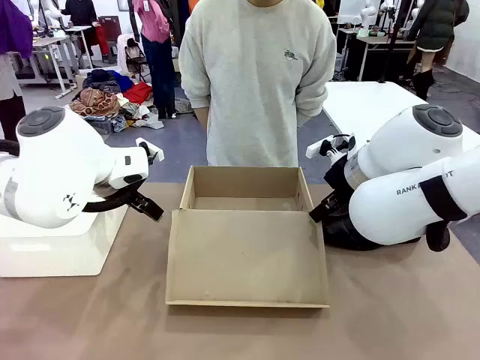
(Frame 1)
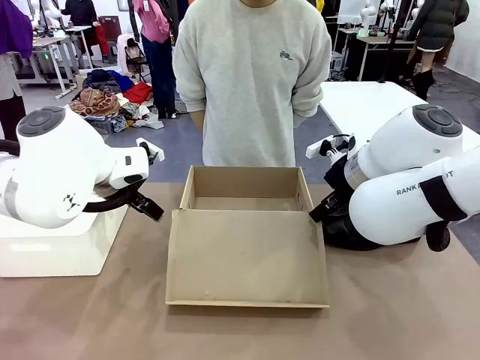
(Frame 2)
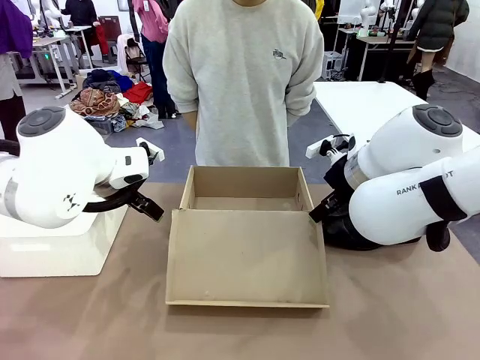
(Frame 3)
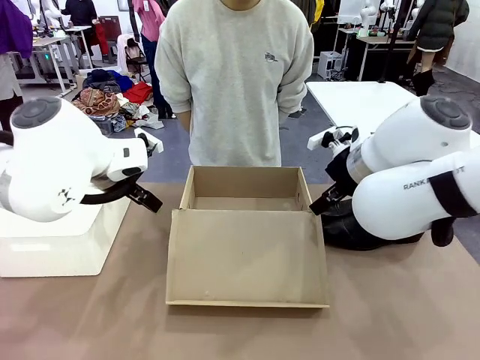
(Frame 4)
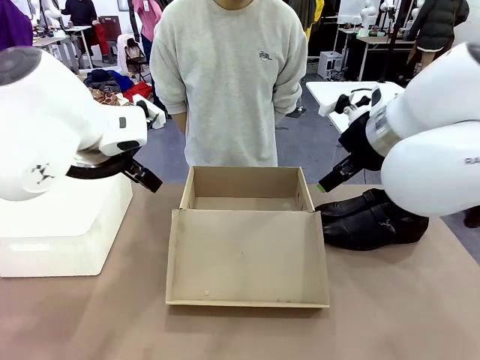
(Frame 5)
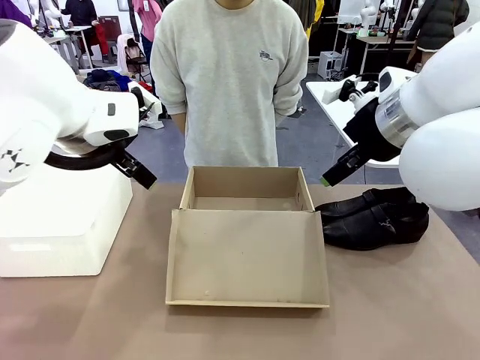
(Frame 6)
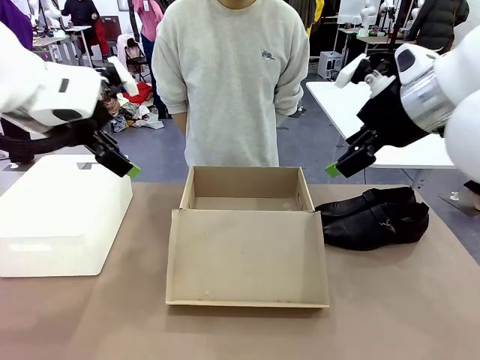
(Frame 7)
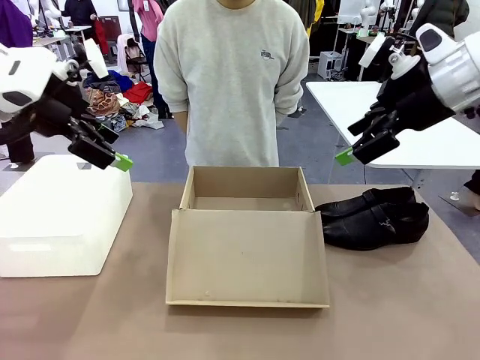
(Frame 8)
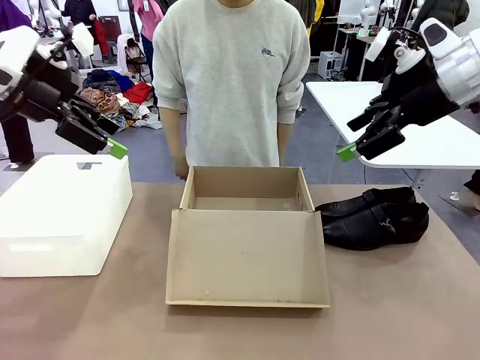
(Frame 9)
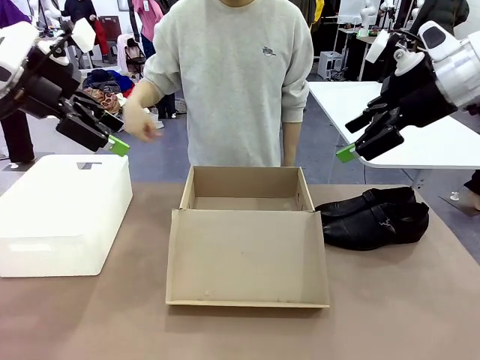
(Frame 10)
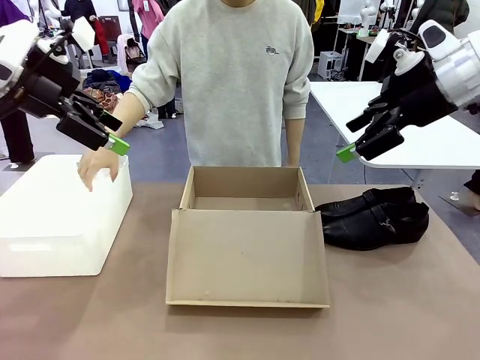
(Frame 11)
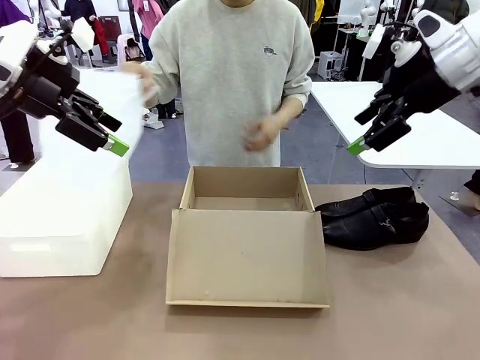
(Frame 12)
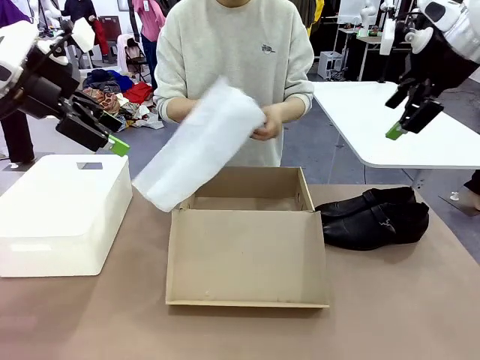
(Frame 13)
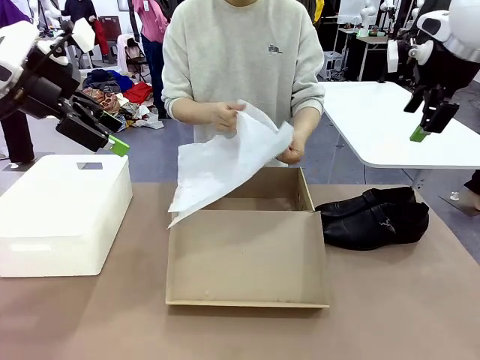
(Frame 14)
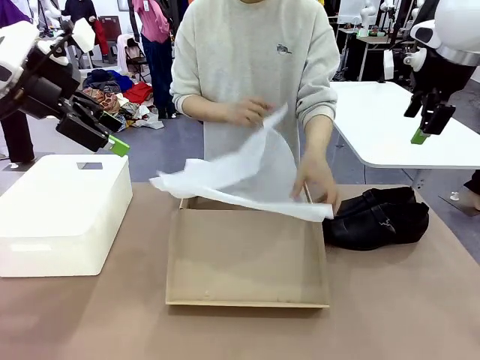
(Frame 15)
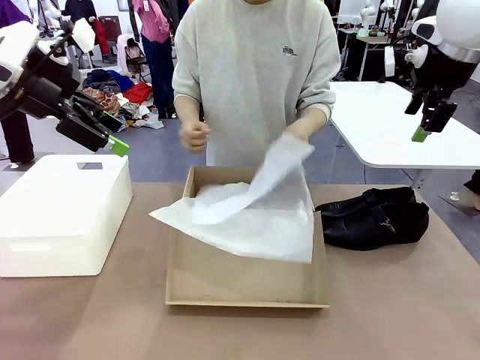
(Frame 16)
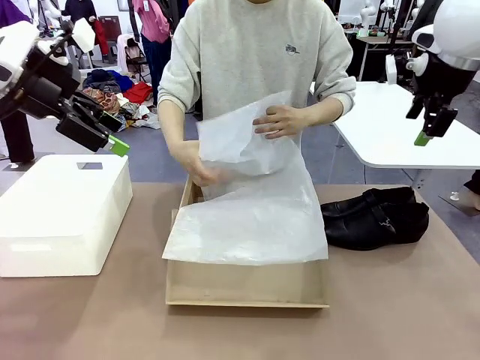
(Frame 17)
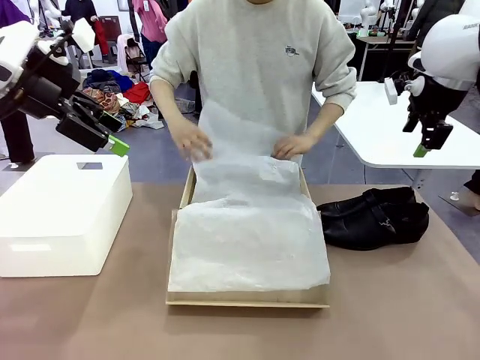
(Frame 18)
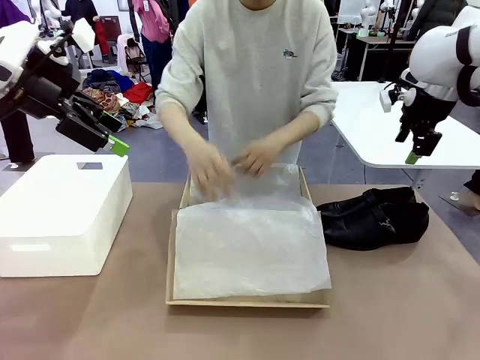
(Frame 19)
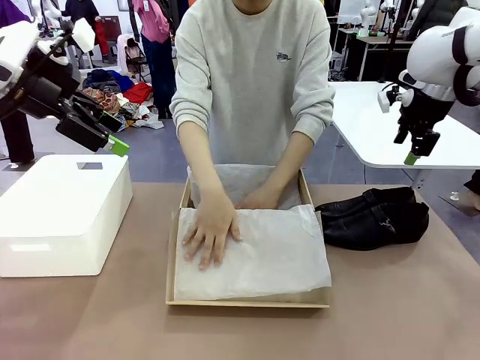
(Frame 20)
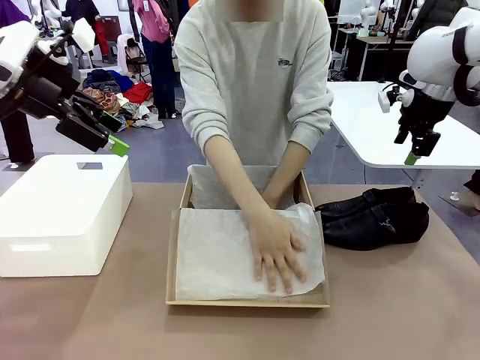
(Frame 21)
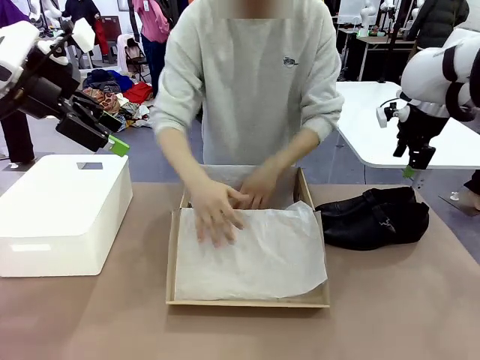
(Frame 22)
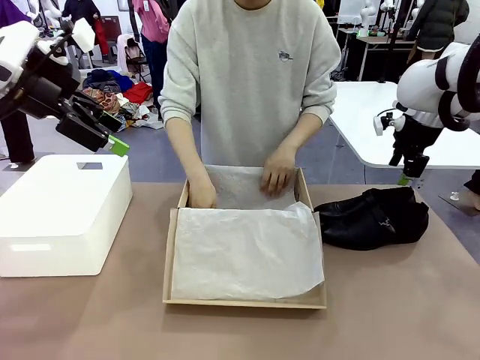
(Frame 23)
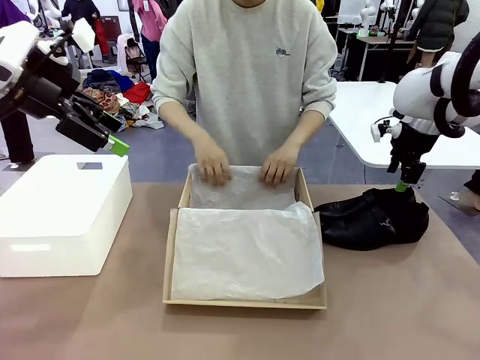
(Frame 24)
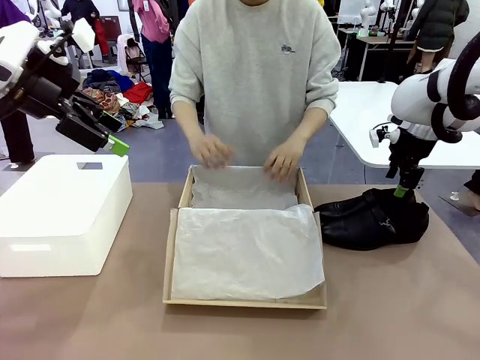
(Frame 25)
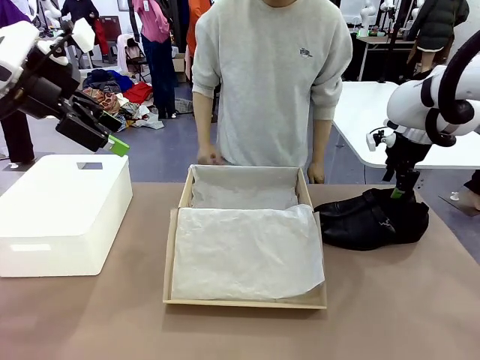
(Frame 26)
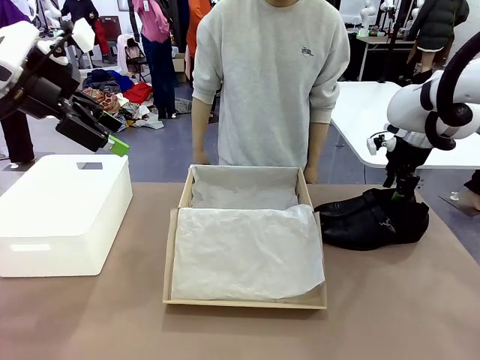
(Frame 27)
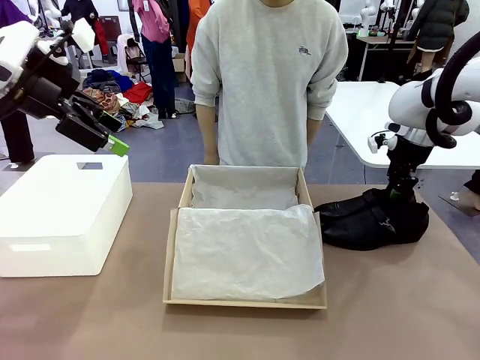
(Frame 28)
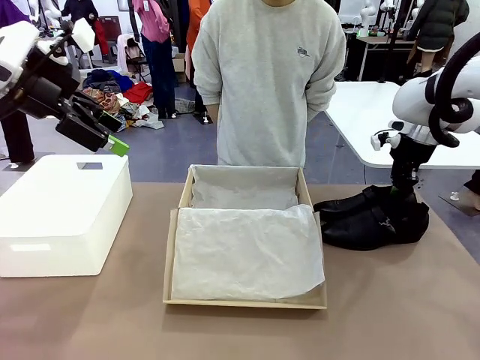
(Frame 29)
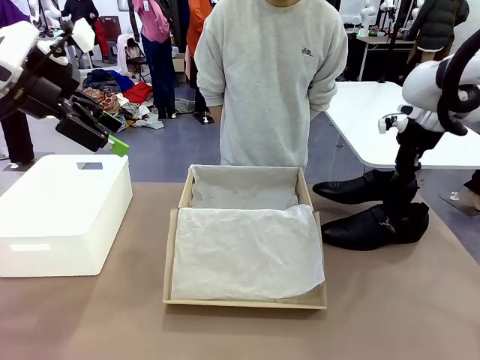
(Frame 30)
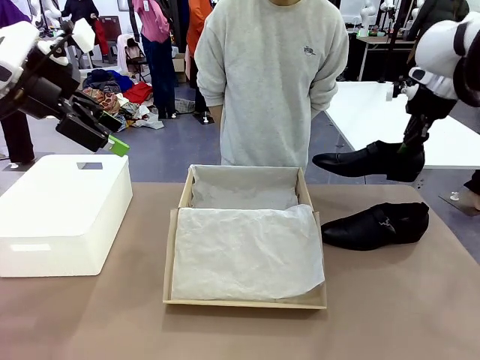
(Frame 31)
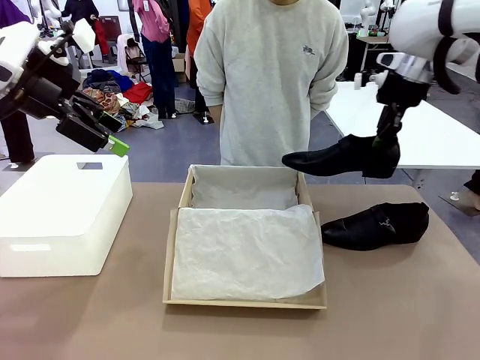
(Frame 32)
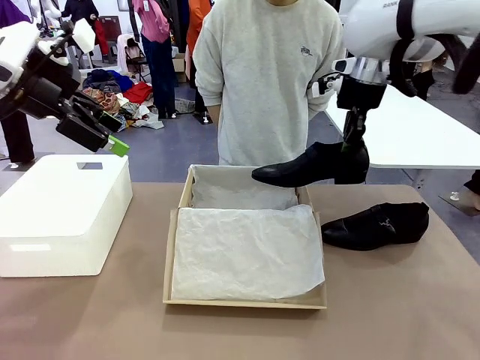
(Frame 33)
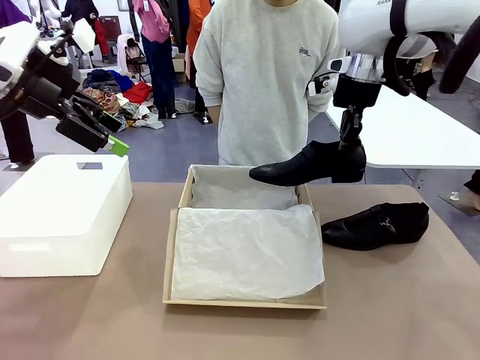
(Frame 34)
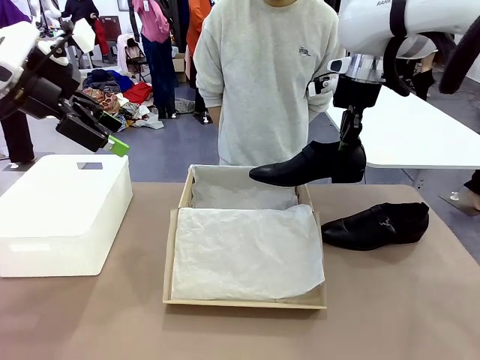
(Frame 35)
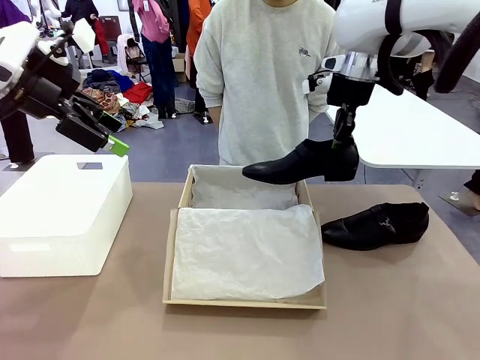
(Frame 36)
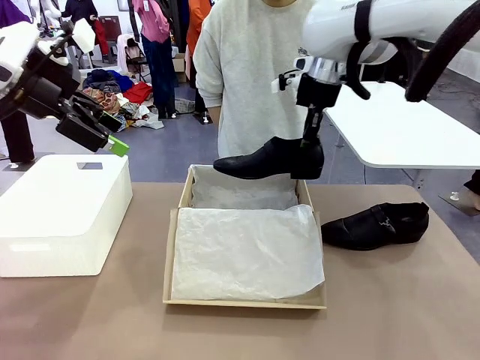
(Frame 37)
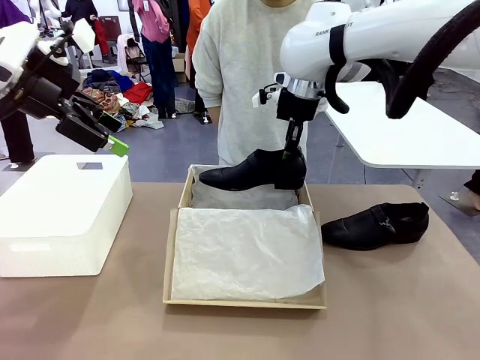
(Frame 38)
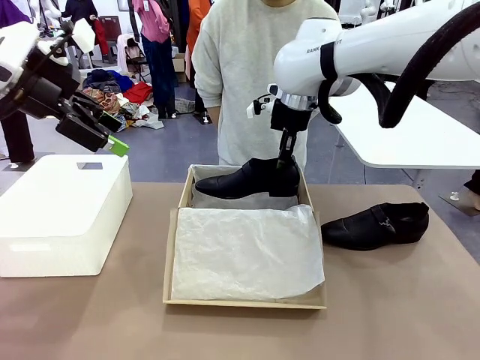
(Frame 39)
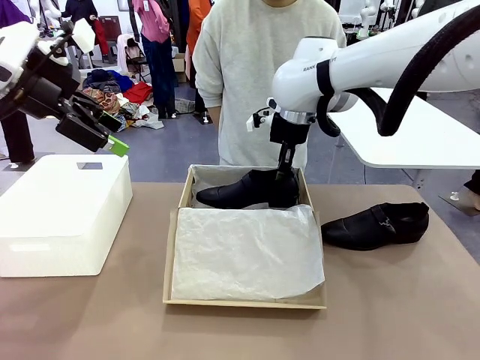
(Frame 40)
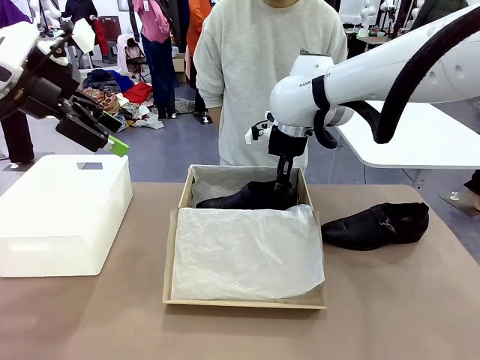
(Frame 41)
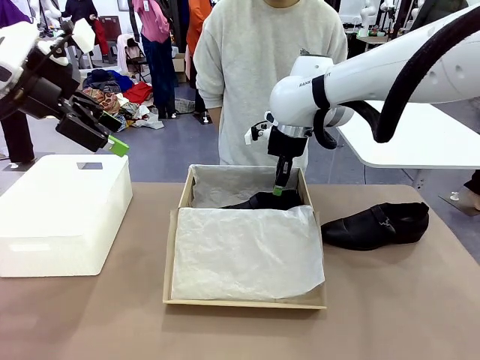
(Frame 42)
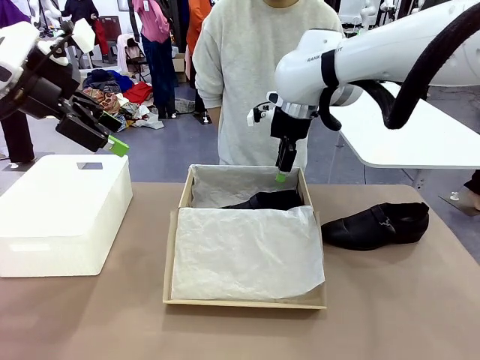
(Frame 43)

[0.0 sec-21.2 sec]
Task: Pack the shoes into the box.
Robot: Place one shoe of the Shoes into the Shoes Box.
Person: Spread Shoes Wrapping Paper and place inside the Shoes Box.
